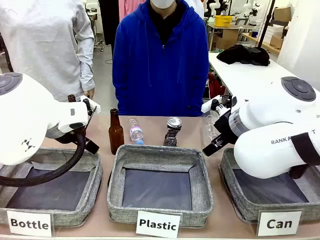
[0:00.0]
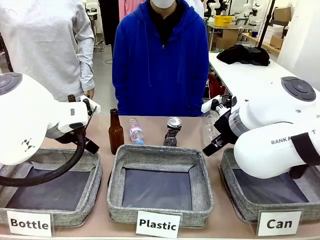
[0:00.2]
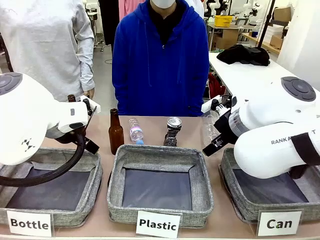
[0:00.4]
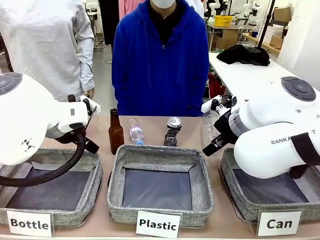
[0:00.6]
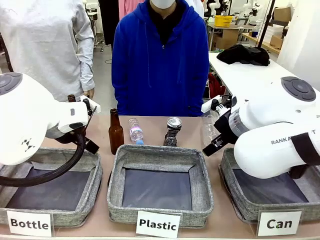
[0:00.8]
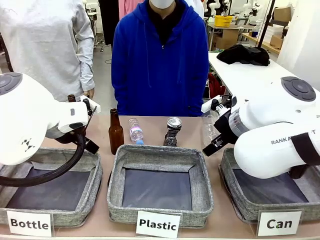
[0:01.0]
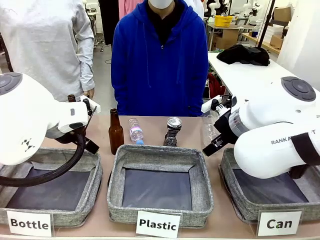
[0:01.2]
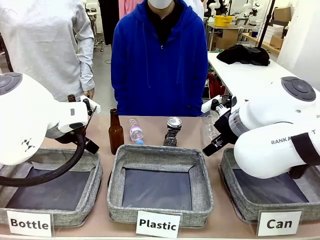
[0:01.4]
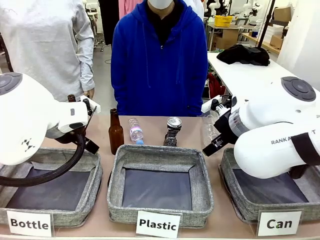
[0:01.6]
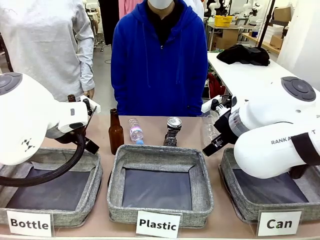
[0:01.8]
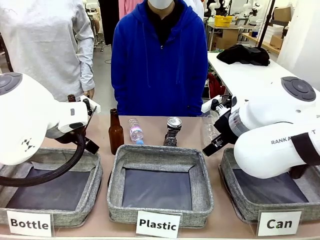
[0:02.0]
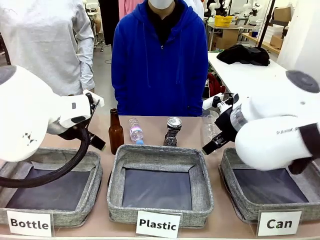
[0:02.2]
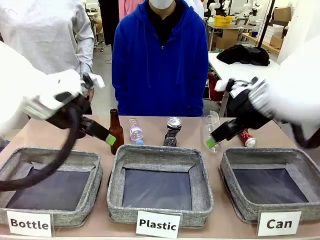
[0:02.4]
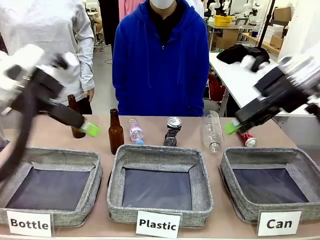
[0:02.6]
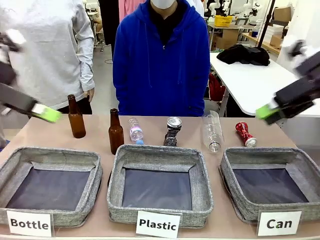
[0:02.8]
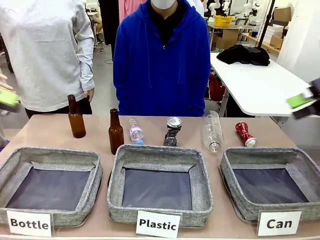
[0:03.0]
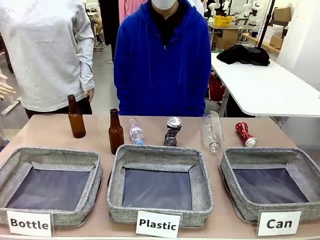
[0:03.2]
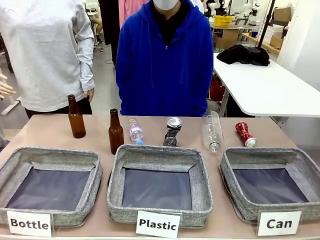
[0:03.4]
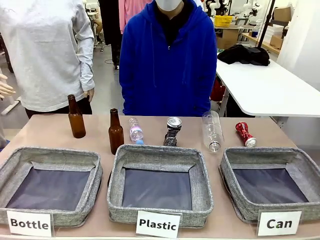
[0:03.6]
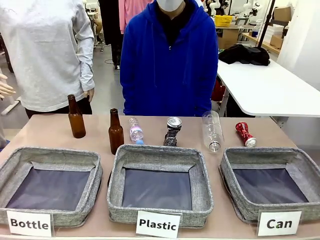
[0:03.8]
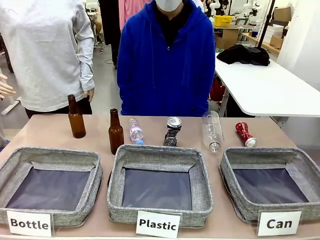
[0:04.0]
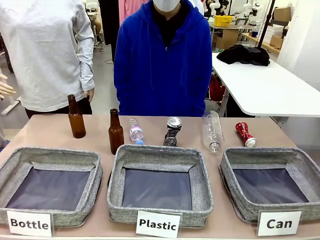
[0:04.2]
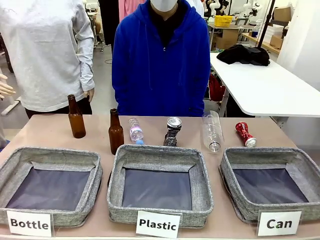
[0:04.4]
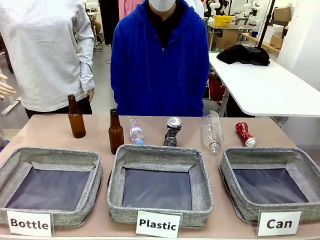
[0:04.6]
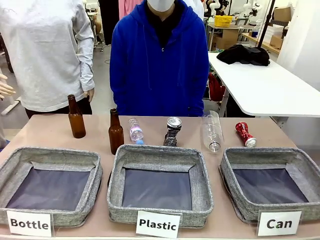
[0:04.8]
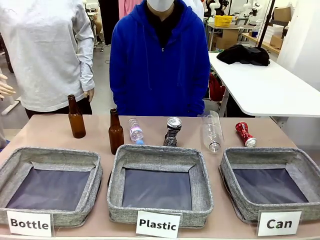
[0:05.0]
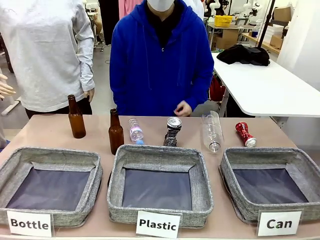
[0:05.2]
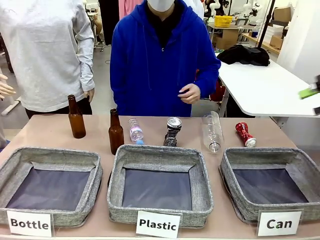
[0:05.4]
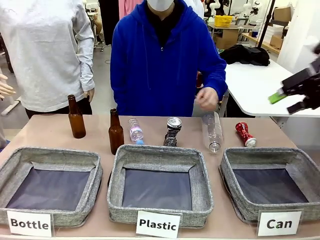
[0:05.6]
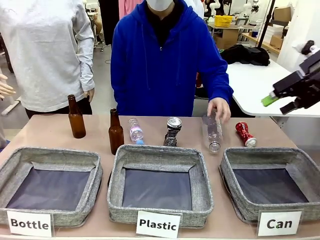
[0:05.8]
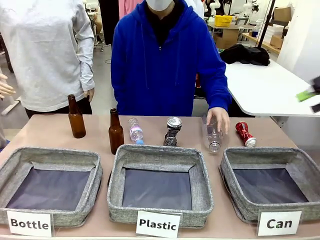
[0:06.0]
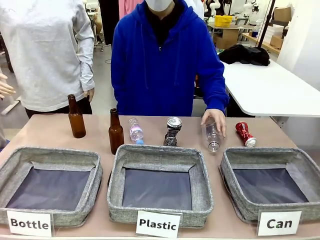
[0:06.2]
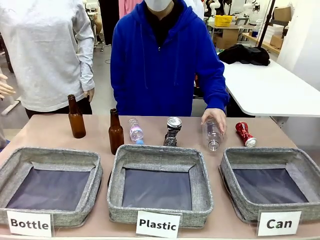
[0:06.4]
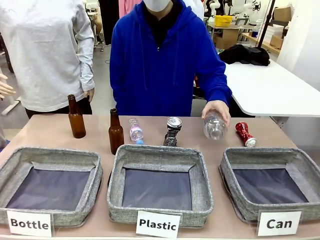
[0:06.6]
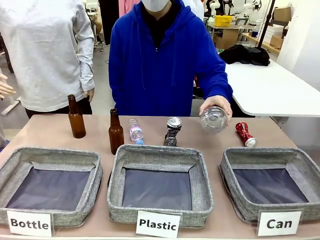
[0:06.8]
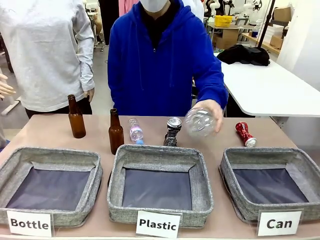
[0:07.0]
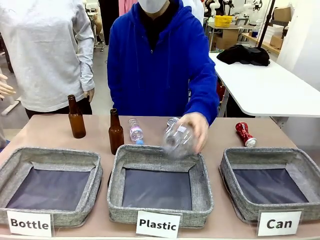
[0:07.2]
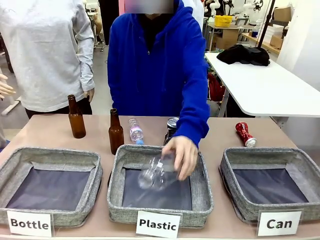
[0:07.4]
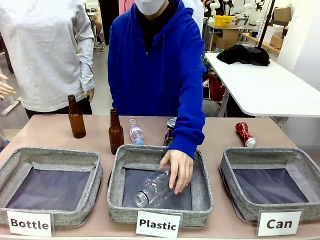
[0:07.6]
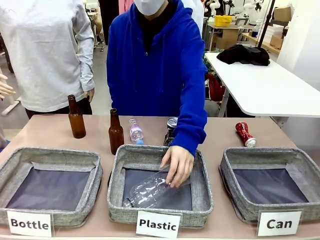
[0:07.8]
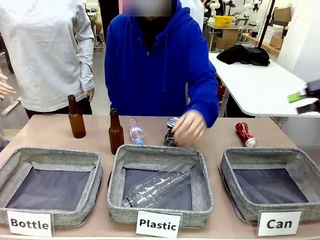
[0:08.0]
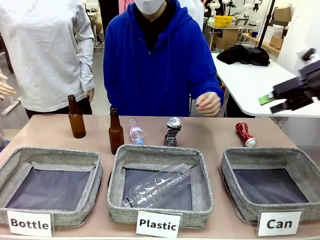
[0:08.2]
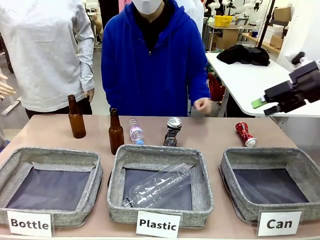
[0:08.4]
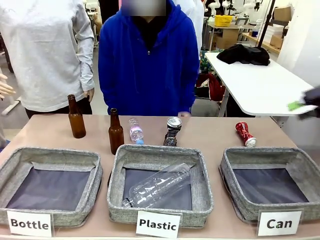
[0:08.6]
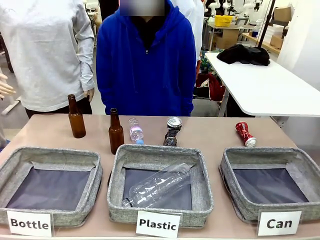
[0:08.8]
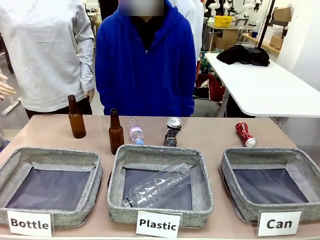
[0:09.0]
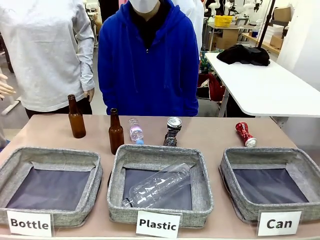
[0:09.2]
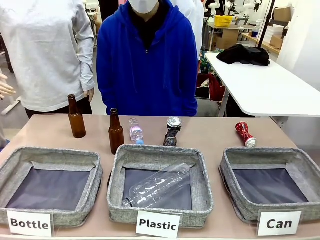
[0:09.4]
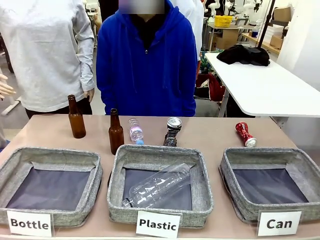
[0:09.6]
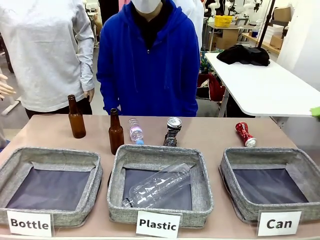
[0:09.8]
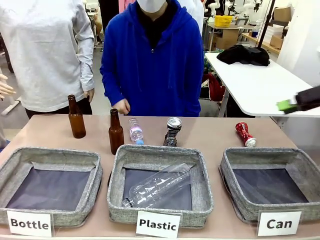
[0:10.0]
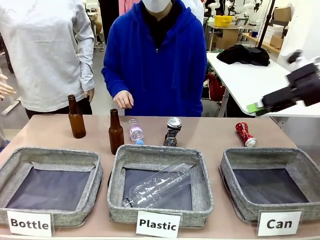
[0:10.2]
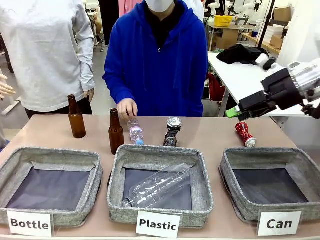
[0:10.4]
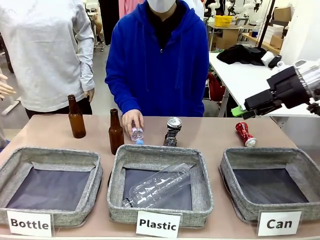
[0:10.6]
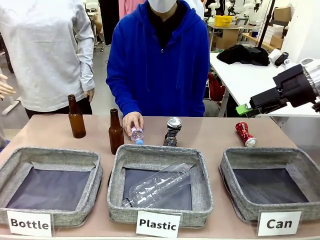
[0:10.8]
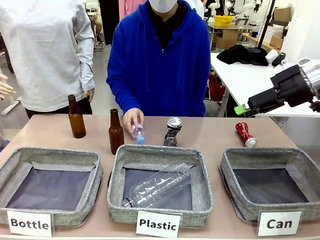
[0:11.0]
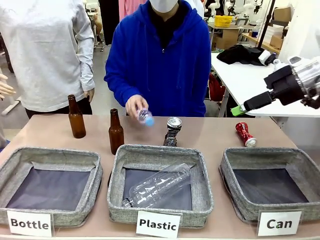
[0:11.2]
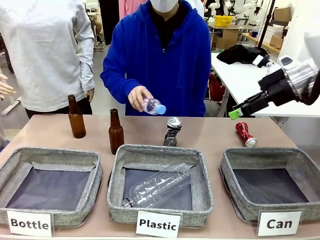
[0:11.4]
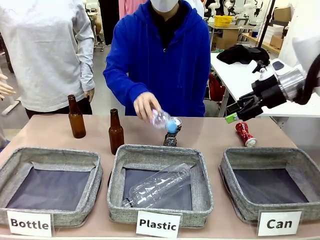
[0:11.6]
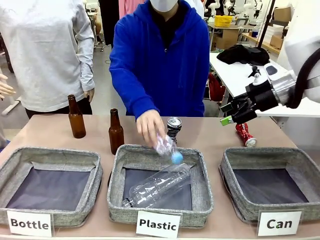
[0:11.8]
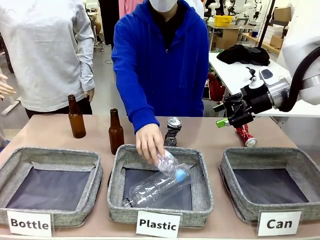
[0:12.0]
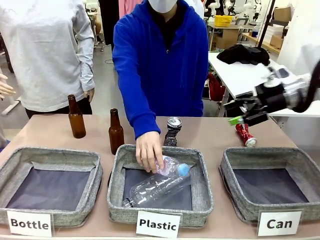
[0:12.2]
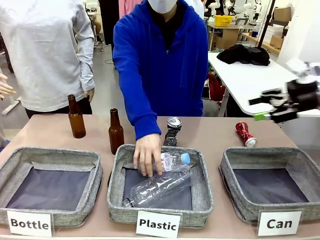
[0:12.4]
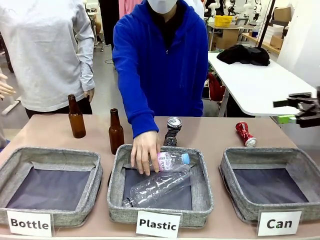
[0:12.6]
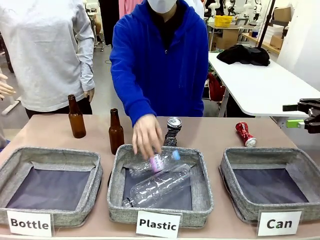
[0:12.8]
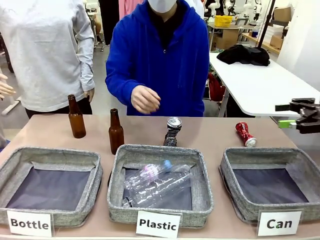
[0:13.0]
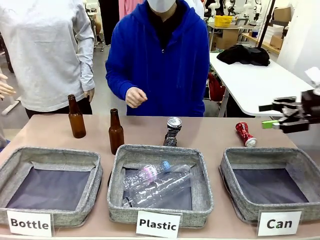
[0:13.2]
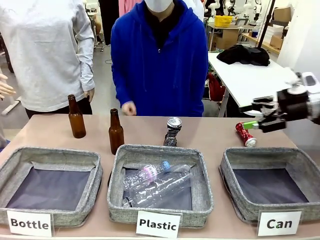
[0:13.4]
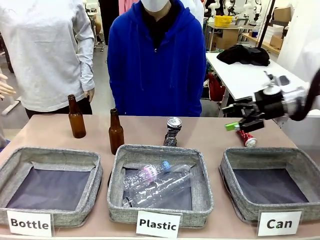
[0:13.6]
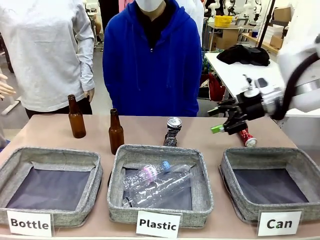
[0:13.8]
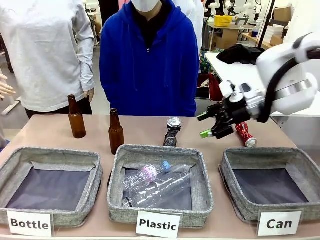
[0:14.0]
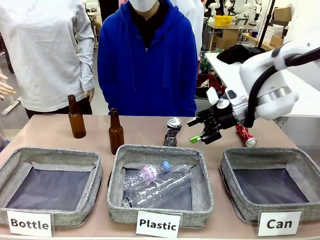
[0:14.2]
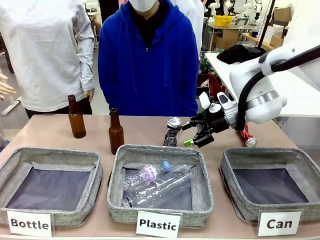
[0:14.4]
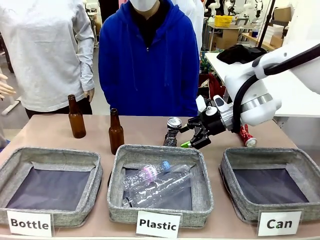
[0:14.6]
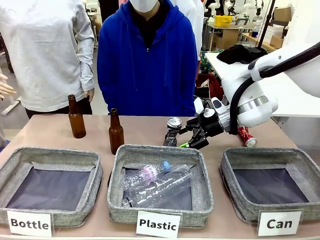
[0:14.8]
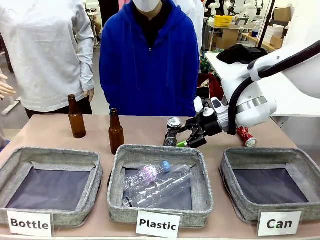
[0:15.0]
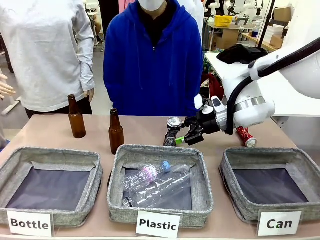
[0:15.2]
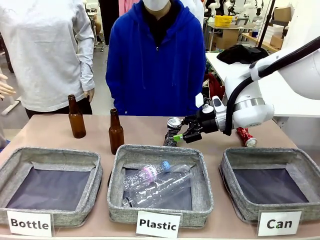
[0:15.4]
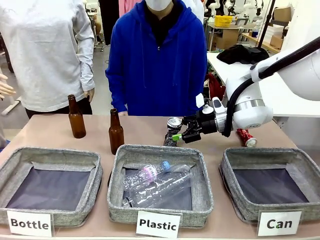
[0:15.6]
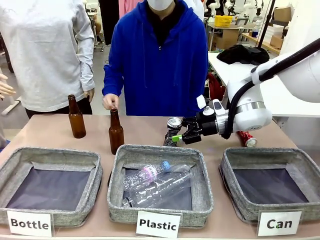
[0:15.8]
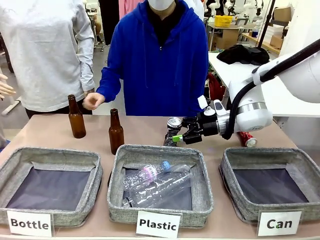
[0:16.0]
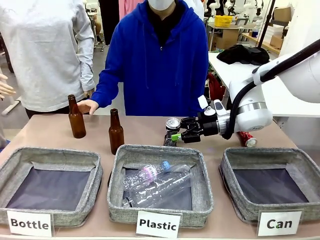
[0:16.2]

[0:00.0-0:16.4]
Task: Sort the can waste into the basket.
Robot: Pick up the can waste from the table and place it in the right Fabric basket.
